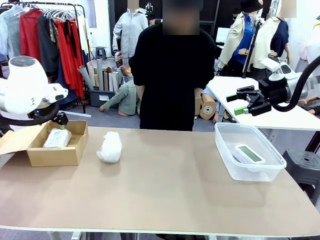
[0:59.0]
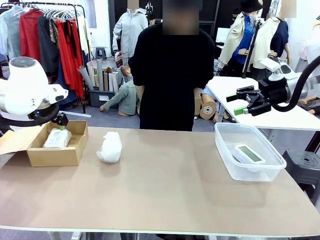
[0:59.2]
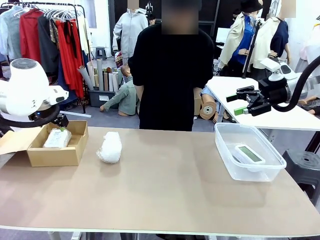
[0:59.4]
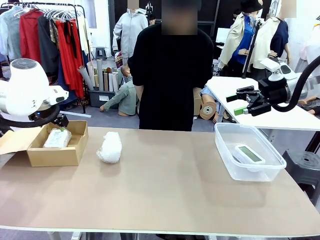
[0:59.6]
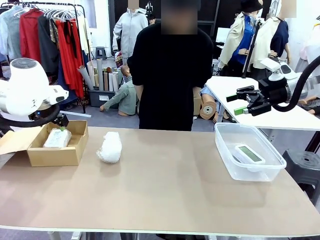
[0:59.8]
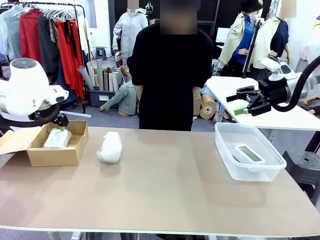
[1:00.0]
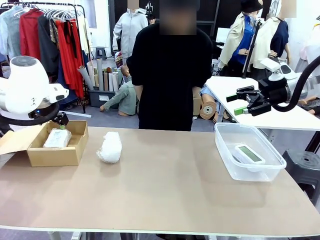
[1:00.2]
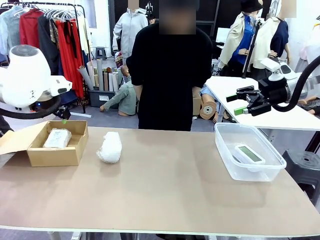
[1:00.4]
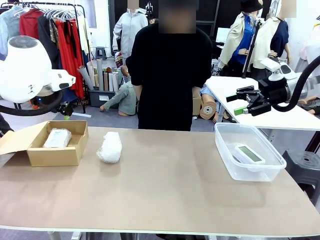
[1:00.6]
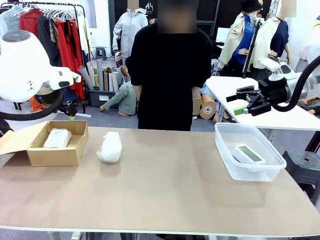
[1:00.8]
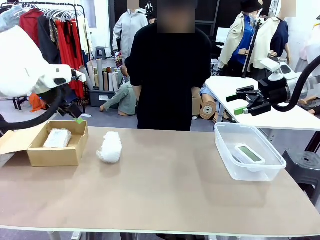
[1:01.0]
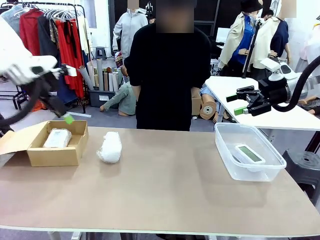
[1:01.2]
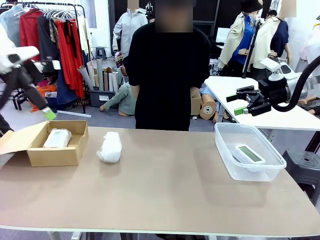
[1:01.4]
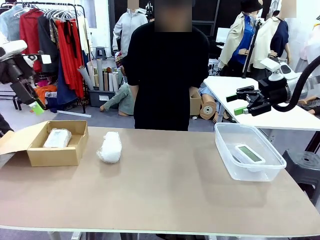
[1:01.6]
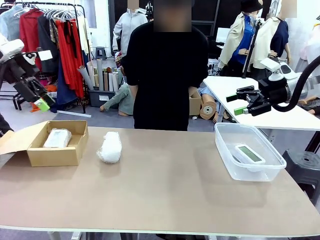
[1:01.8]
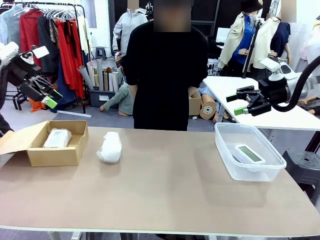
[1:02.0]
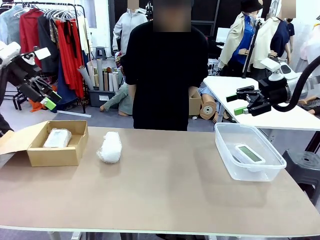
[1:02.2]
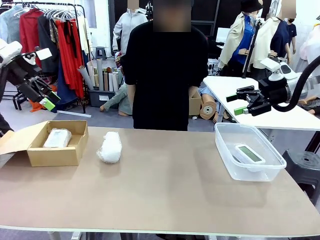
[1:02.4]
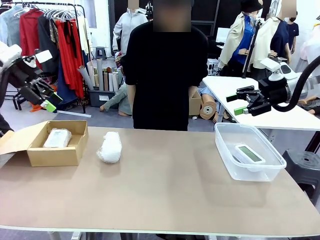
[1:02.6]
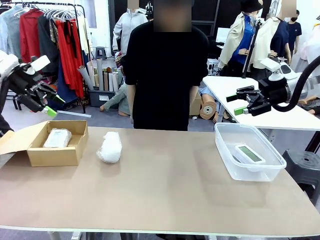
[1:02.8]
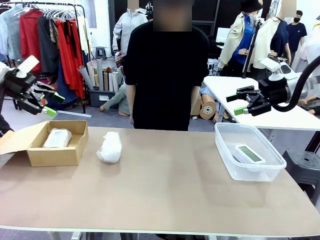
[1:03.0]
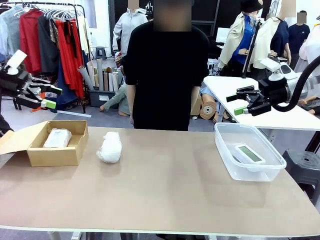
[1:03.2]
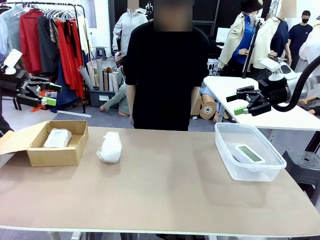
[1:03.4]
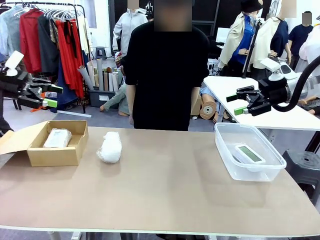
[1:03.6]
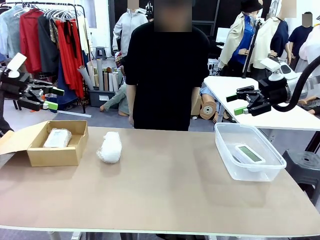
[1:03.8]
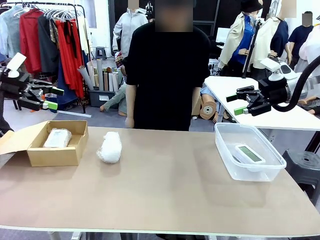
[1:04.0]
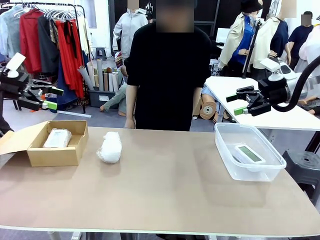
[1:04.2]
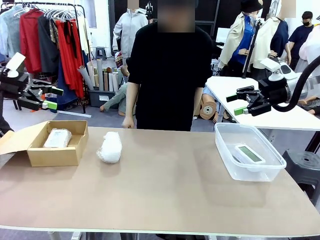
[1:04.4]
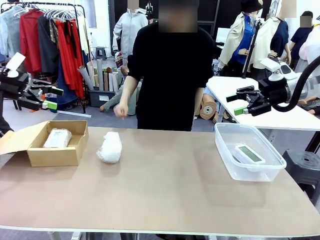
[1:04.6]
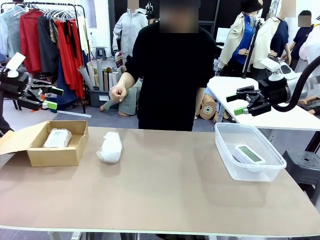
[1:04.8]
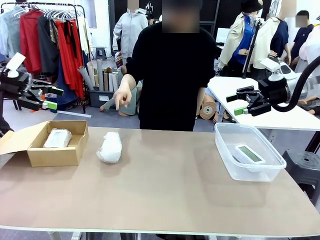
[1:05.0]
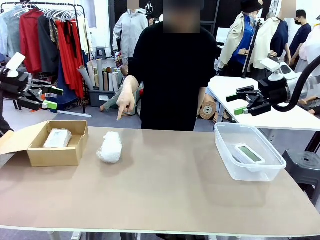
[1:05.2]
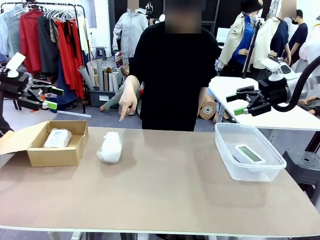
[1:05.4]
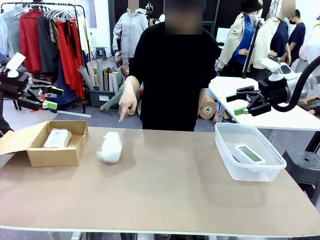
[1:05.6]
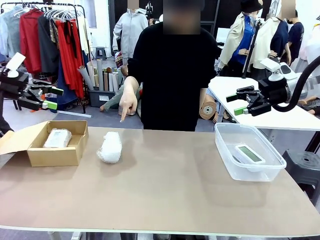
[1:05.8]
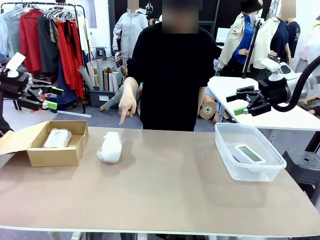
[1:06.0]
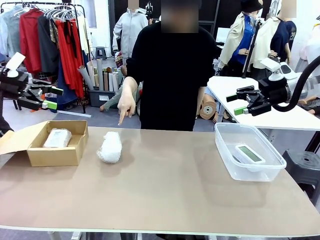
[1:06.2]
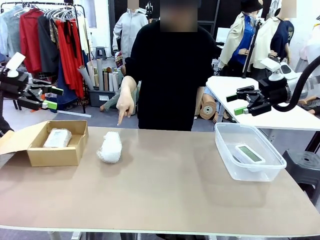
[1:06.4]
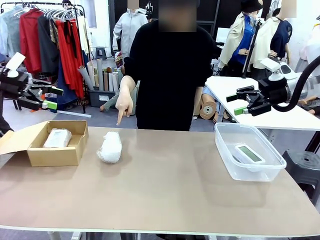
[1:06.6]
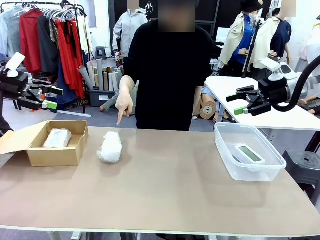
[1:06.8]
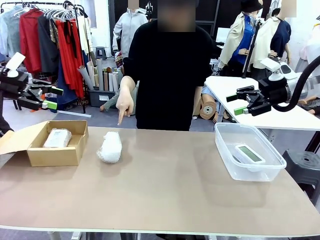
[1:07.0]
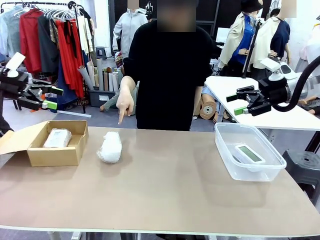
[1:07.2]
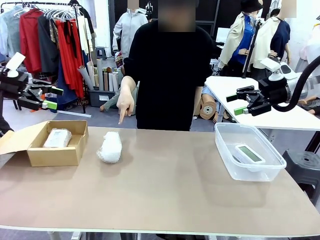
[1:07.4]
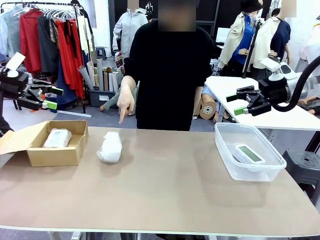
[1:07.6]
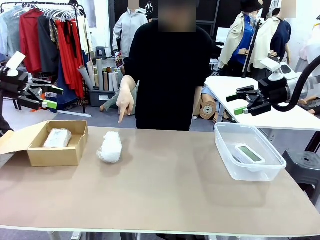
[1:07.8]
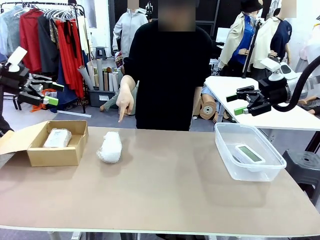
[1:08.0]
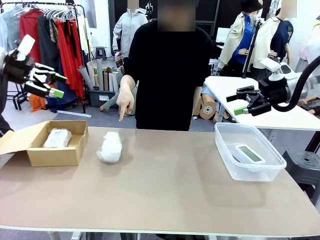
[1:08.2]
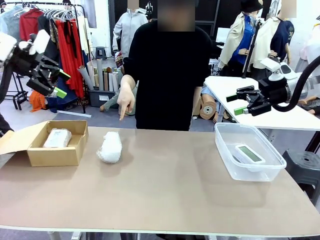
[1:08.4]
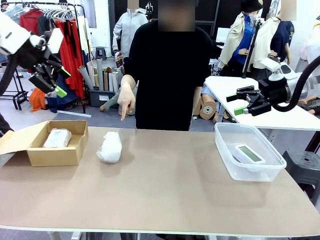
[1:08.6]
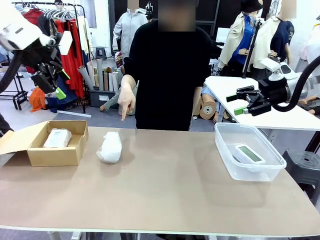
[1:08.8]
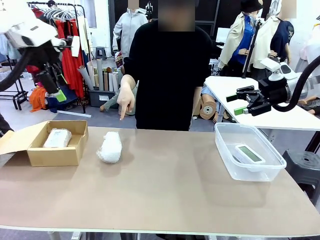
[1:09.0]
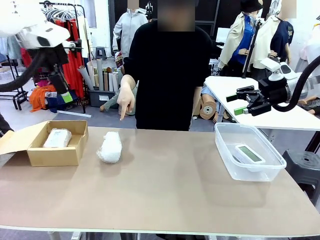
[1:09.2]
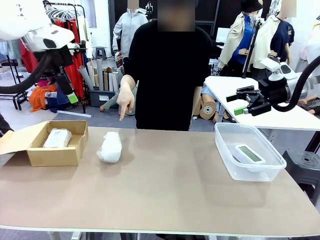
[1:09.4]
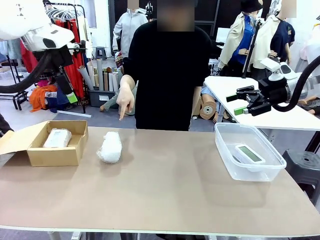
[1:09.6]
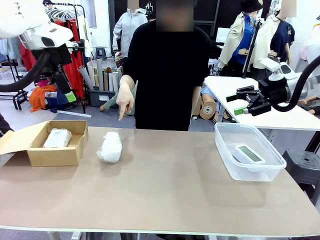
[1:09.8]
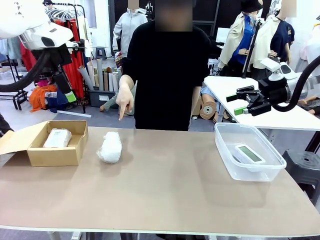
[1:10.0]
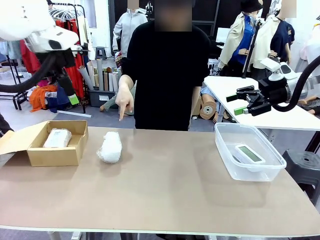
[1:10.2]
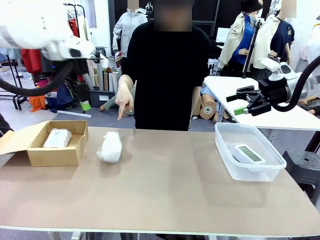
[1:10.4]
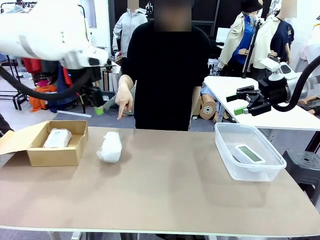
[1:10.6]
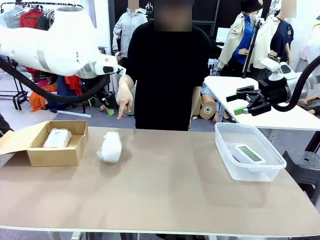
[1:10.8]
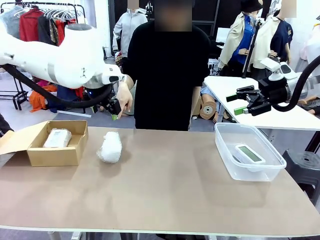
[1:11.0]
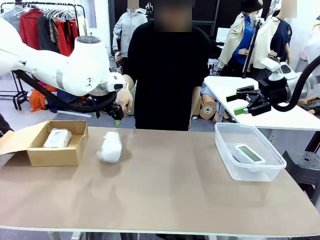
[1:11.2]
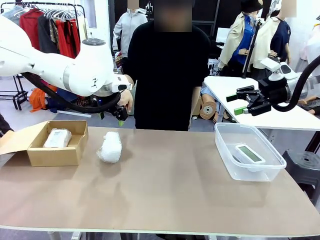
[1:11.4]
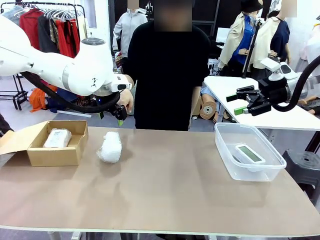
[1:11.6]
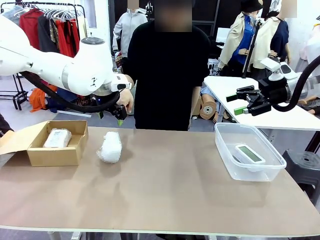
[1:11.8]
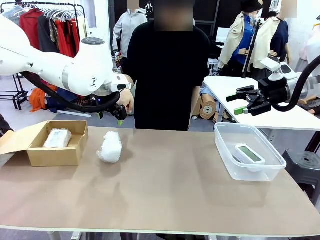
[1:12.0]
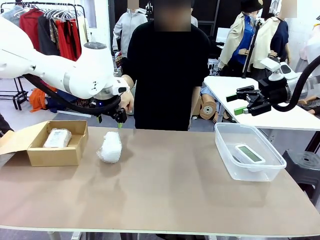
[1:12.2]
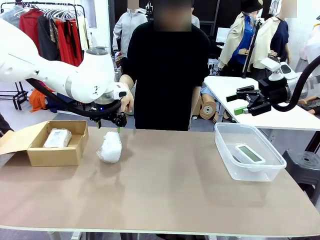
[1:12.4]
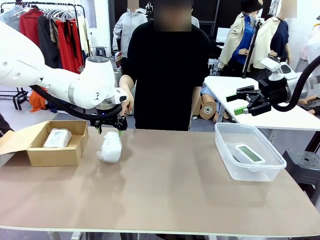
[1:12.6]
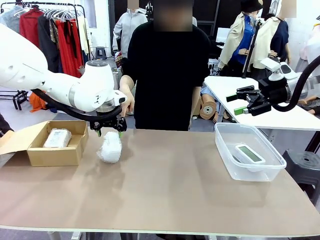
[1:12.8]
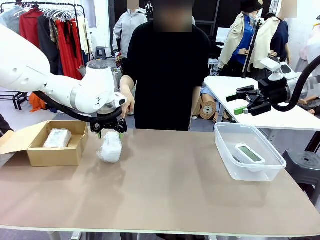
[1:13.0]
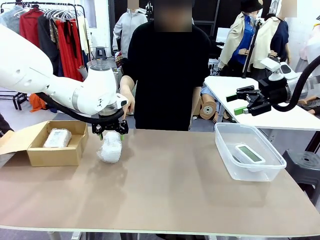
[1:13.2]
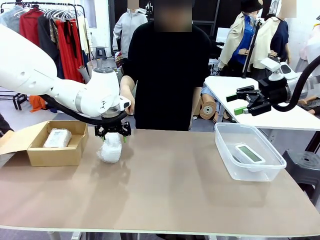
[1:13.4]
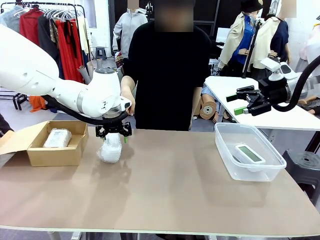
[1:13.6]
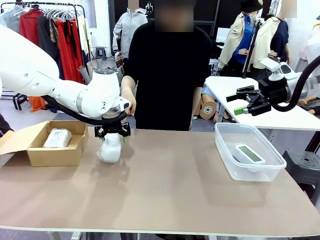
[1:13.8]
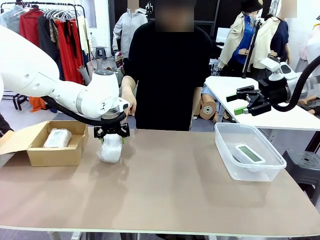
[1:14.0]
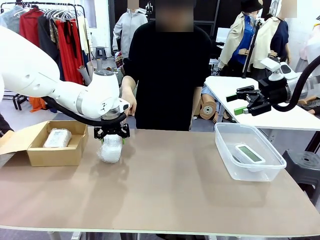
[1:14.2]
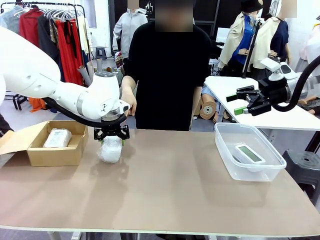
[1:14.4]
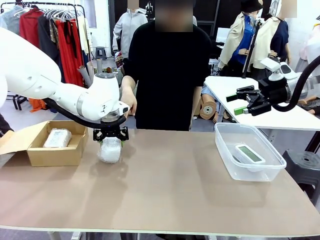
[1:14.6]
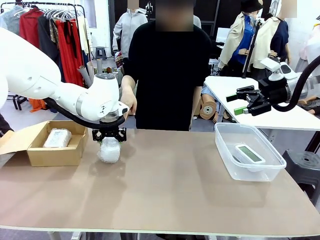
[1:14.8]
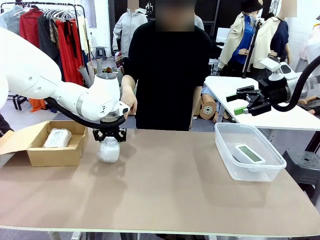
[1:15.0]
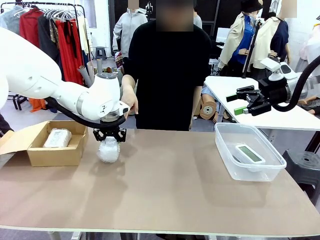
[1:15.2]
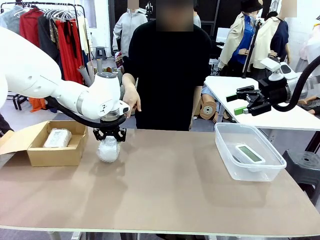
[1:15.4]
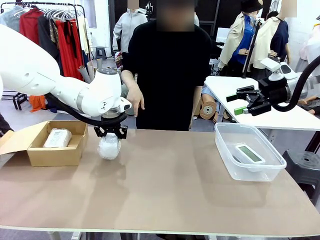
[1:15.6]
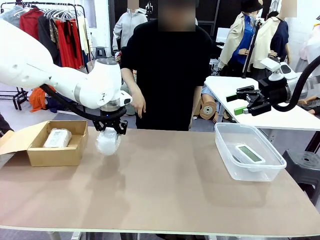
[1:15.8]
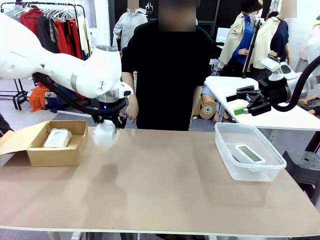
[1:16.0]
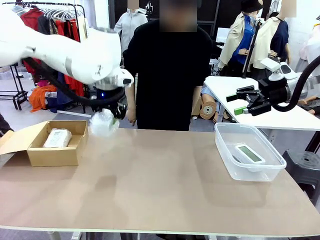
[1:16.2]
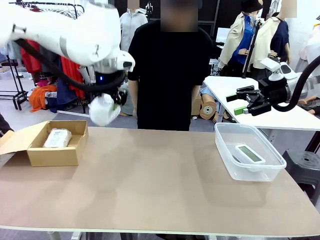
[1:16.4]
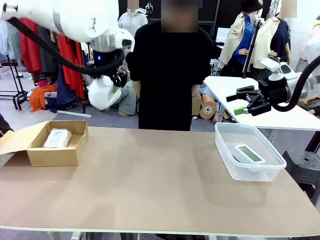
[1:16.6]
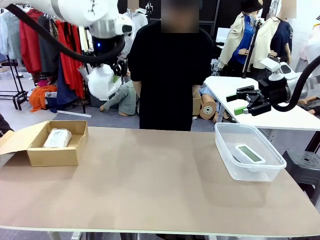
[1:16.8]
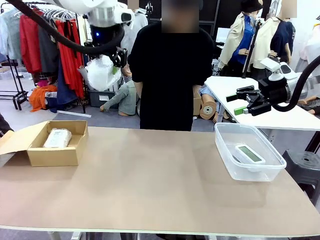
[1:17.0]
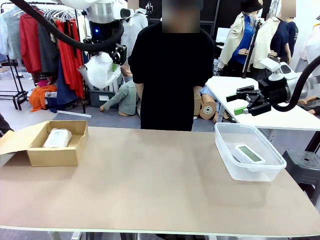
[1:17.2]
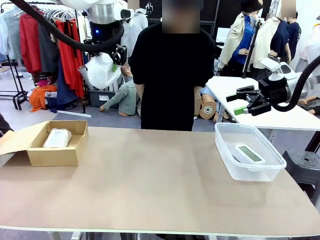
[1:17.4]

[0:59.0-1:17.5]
Task: Separate and place wrapped and unwrapped clocks.
Robot: Pick up the Digital clock indicated by the person.
